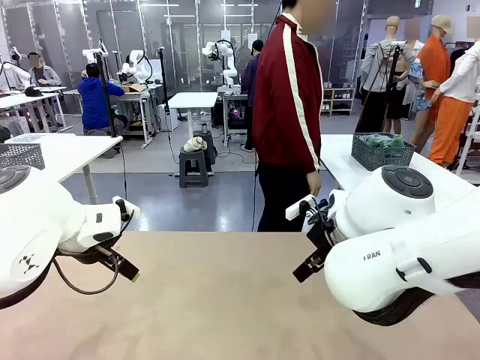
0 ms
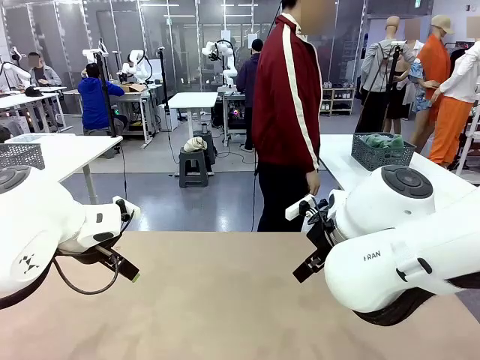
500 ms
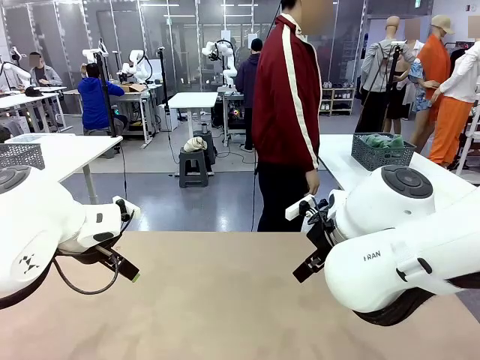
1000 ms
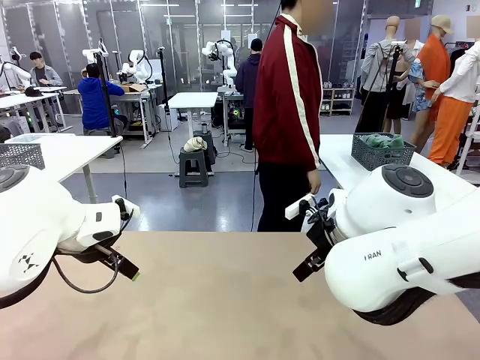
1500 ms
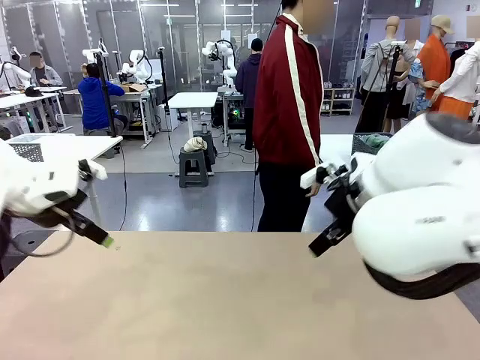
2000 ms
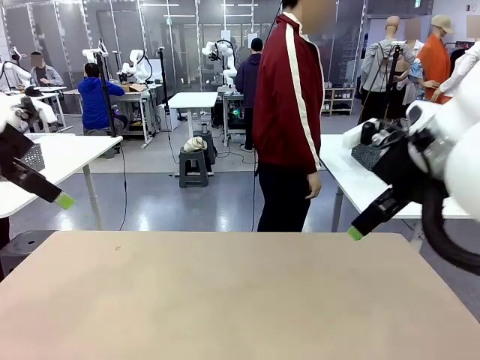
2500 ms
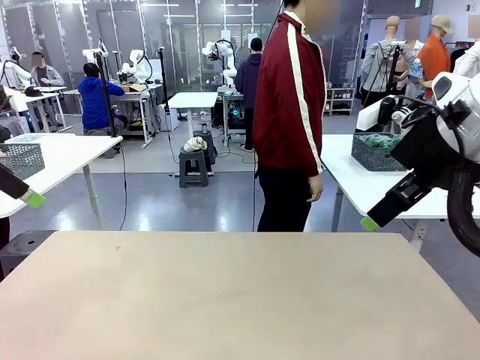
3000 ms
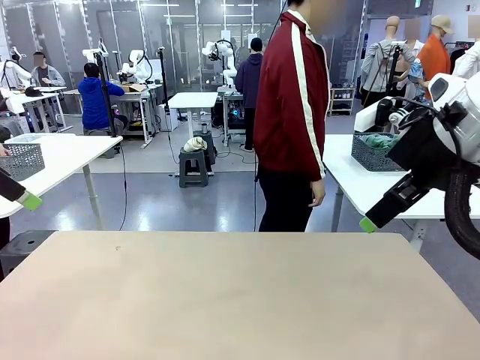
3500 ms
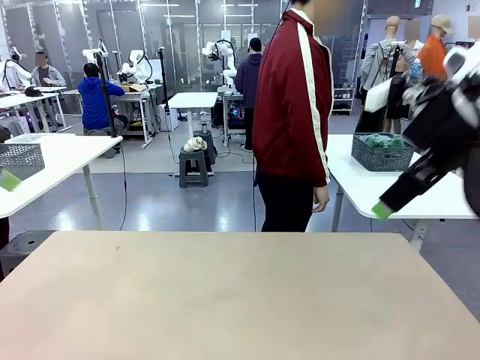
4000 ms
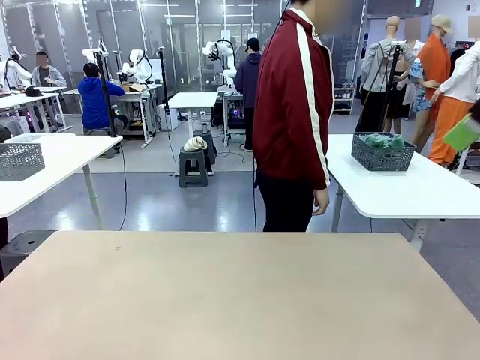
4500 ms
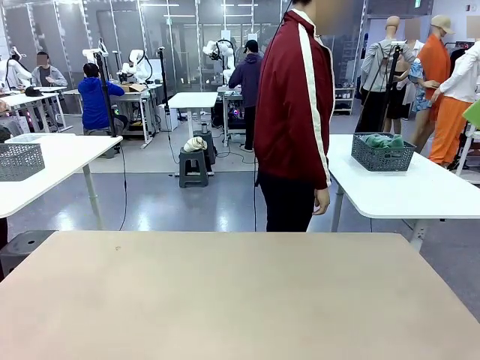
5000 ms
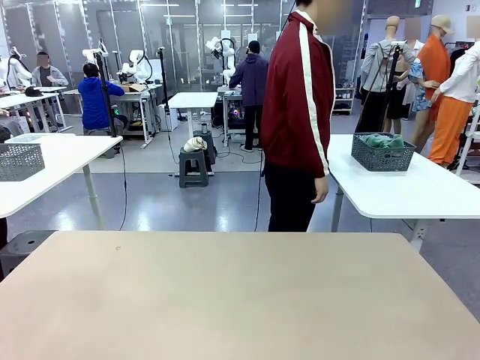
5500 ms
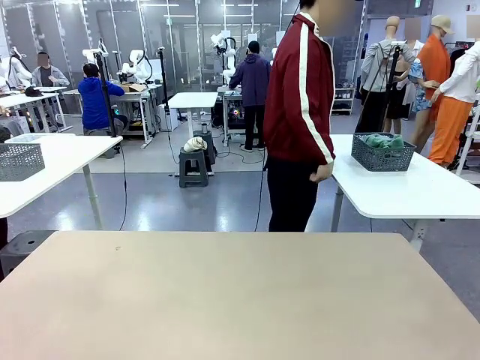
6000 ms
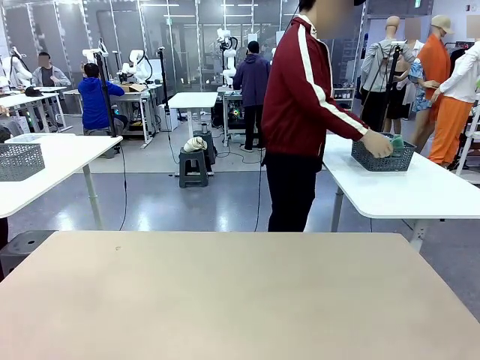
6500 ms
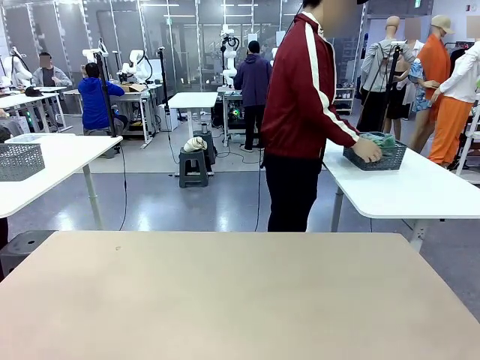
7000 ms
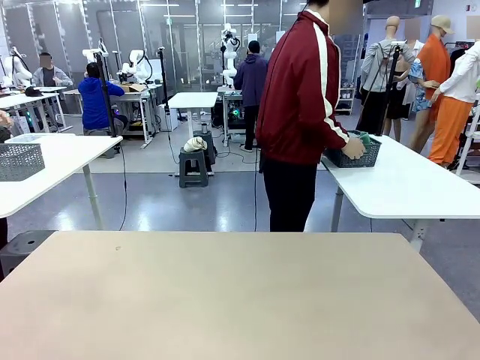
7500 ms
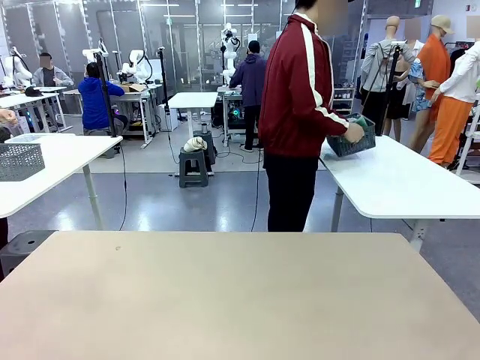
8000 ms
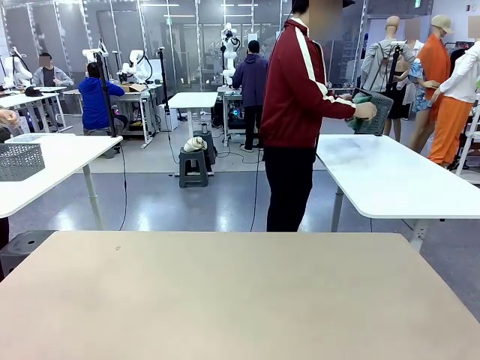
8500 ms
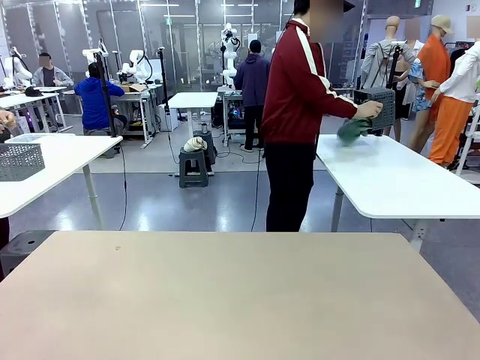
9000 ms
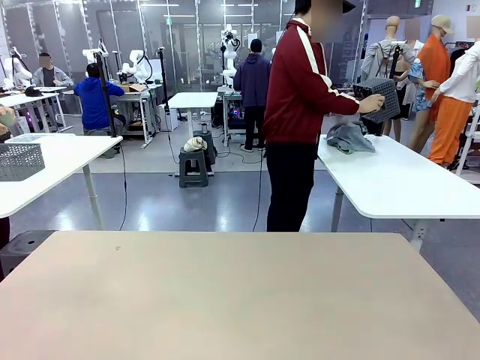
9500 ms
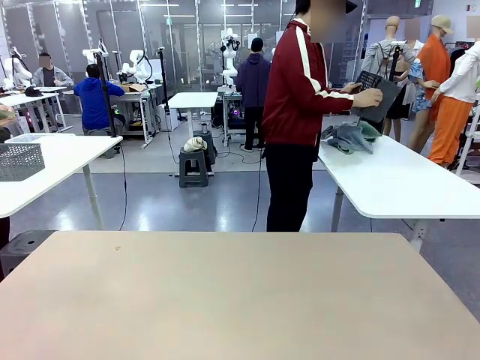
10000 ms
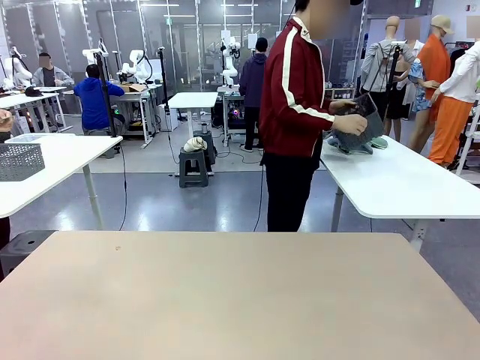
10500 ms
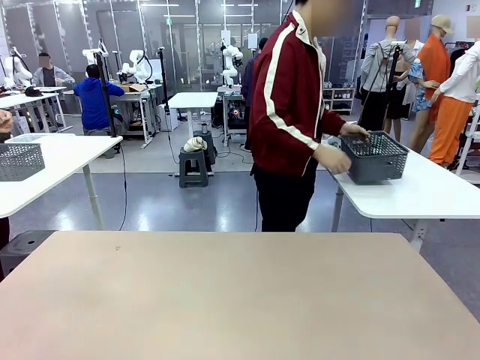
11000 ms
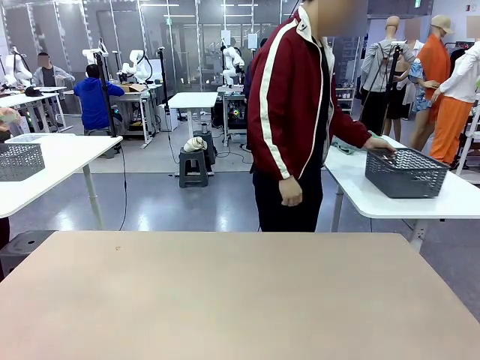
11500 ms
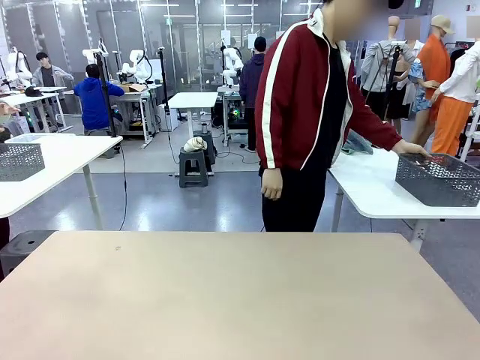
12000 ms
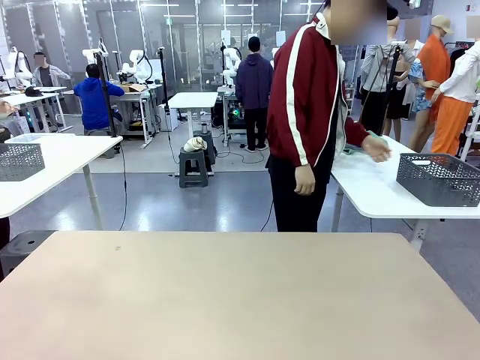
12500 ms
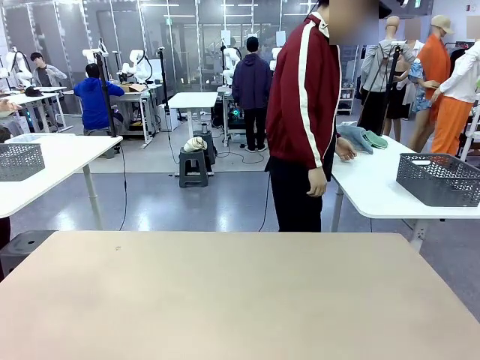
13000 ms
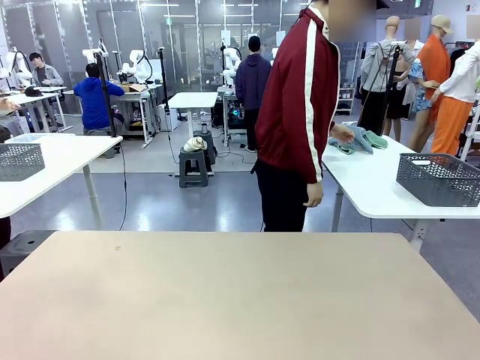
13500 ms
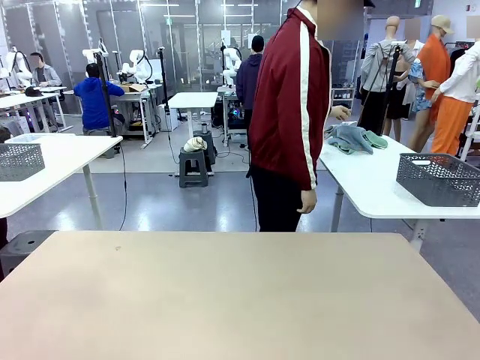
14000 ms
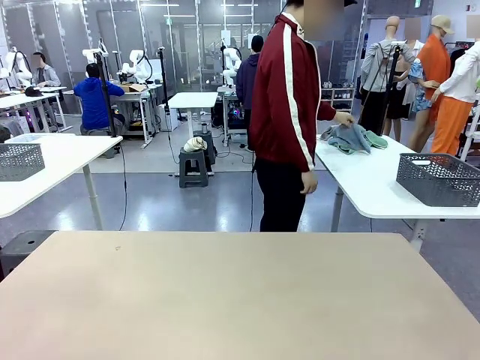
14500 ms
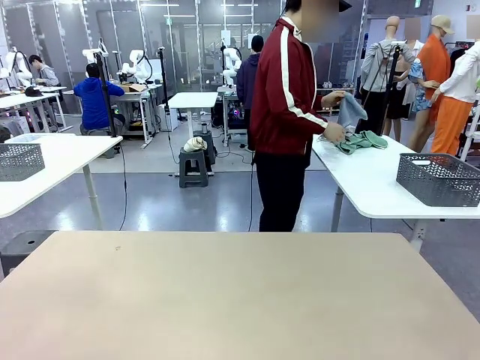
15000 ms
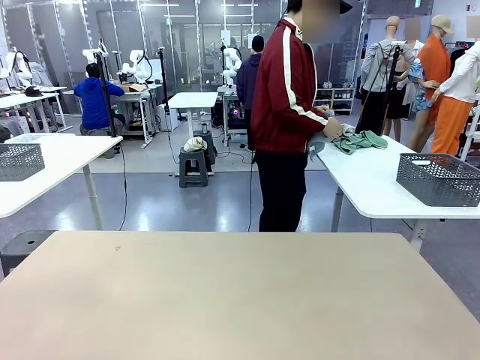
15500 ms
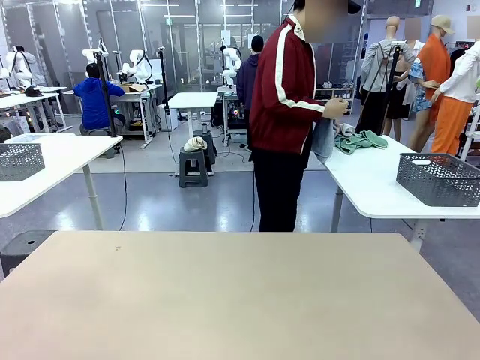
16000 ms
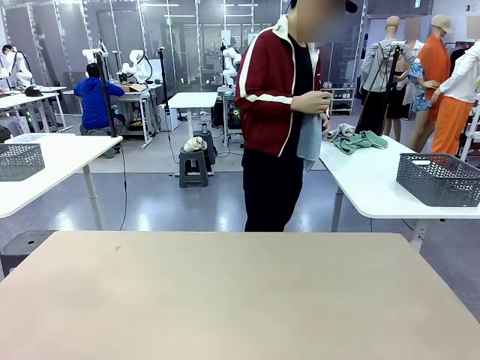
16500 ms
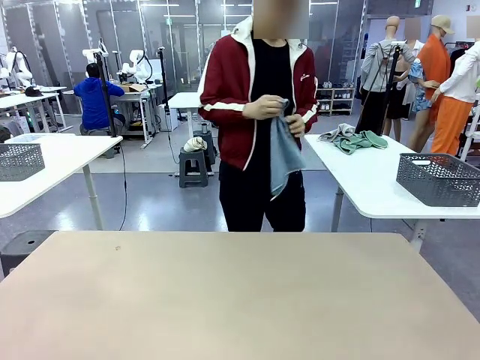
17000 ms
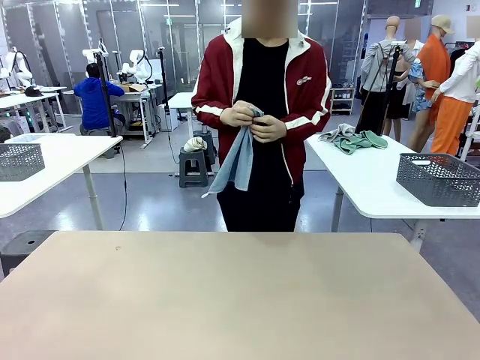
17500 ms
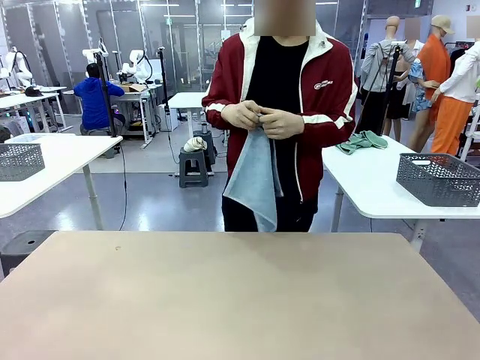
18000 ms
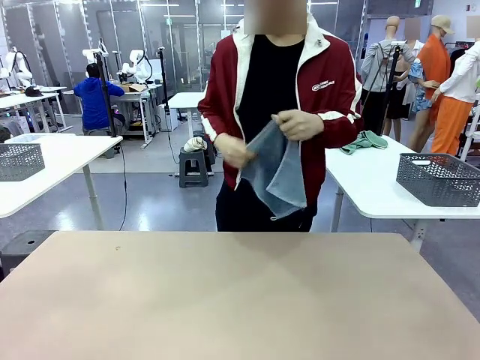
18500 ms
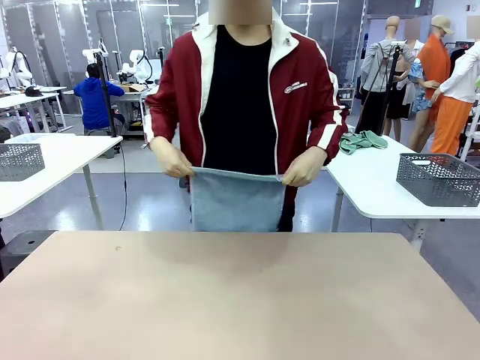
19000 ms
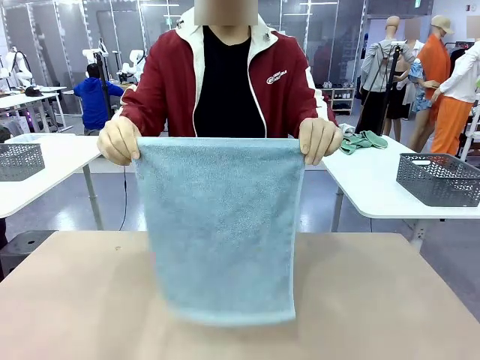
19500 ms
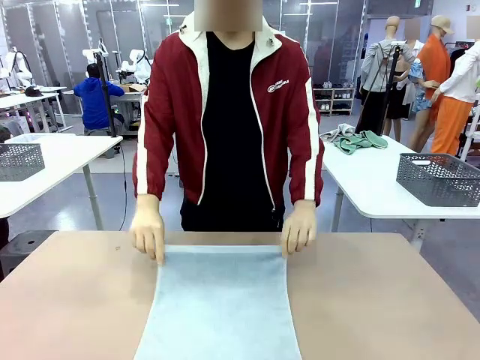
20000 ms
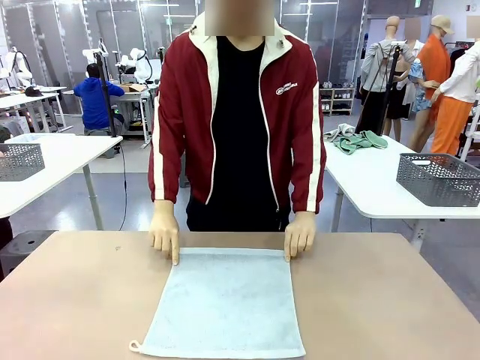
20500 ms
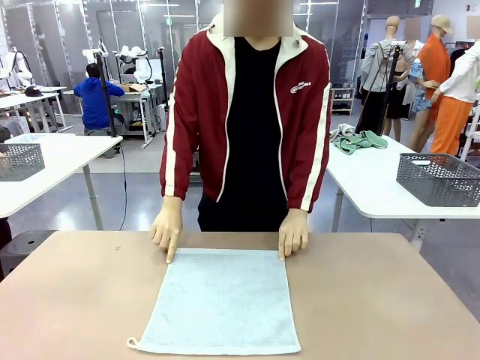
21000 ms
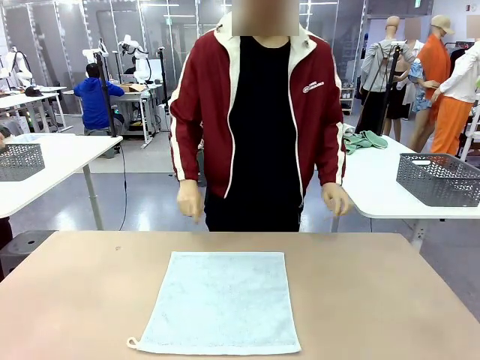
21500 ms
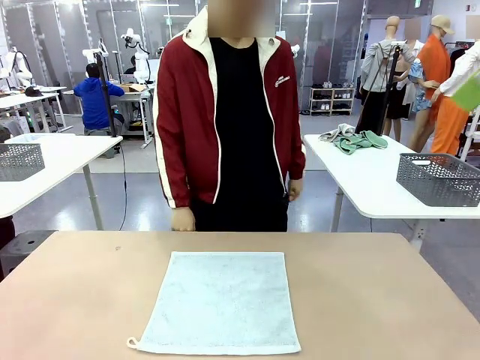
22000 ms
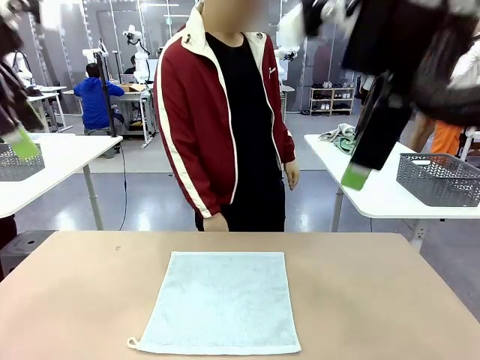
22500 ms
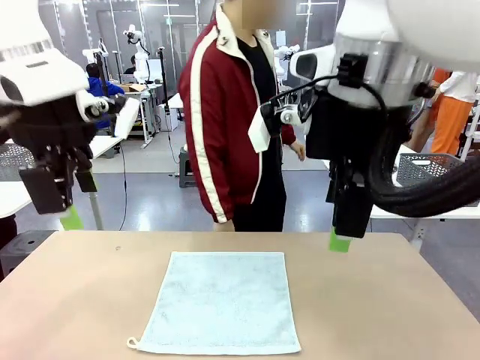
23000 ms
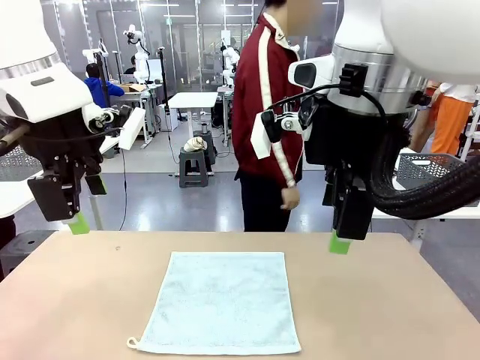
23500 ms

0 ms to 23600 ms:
Task: Fold the towels and place them in the basket.
Robot: When a person lays out a Towel with hook on the table, fold it in half twice.
Person: Pick up the basket, pour the towels onto the left side of the human table, and place the basket on the right side. Pick up one towel and spread it out at the center of the robot table.
